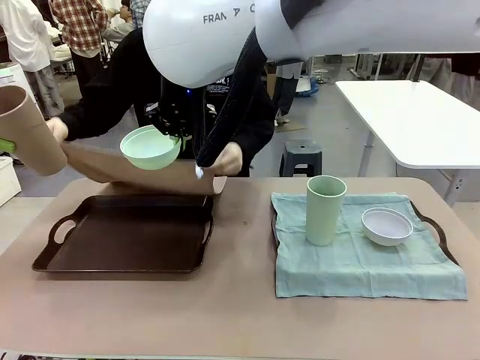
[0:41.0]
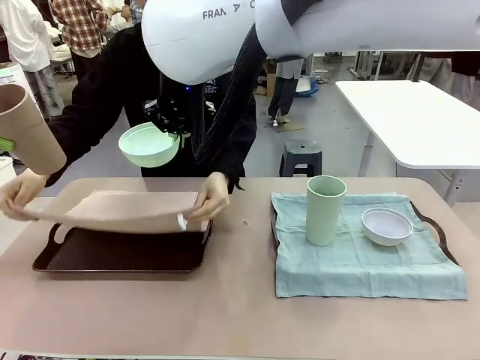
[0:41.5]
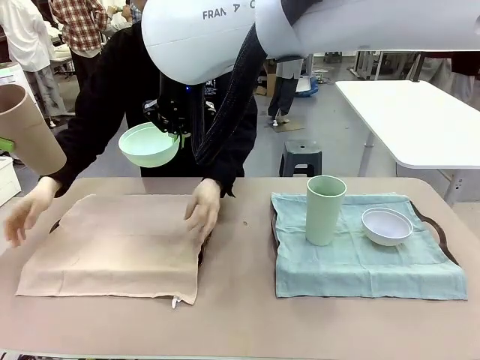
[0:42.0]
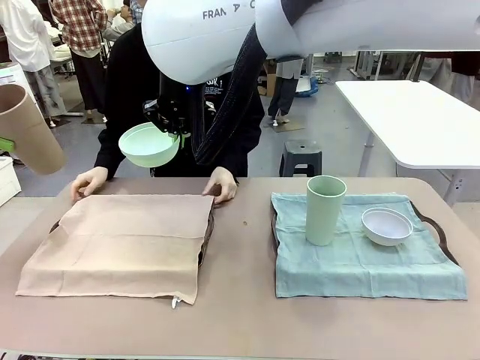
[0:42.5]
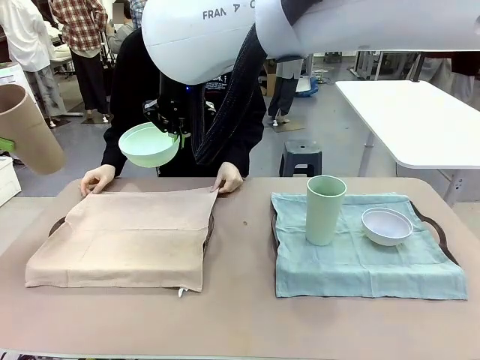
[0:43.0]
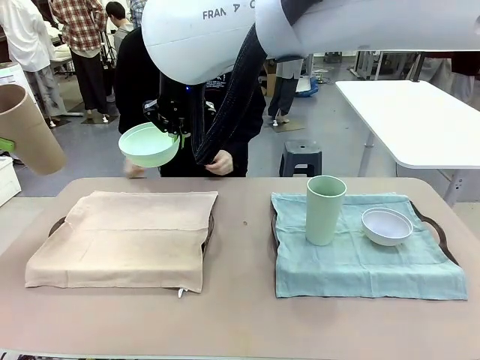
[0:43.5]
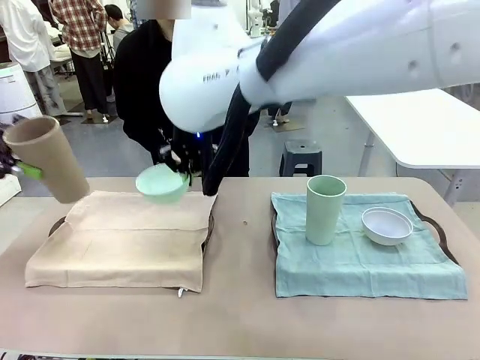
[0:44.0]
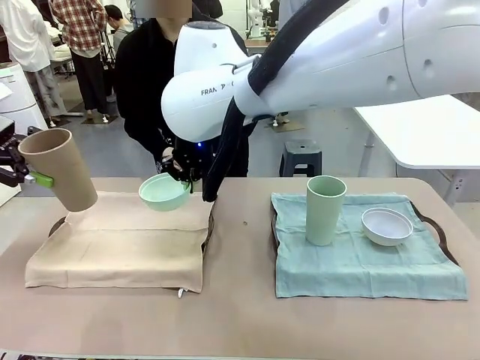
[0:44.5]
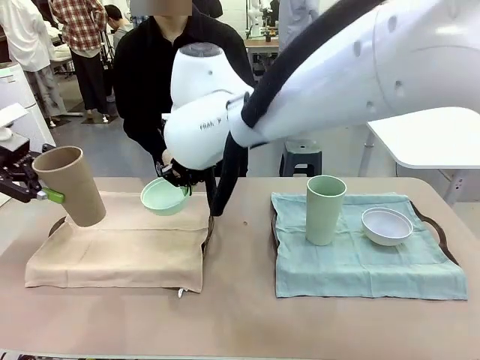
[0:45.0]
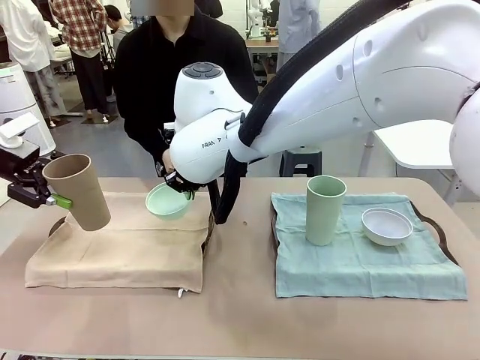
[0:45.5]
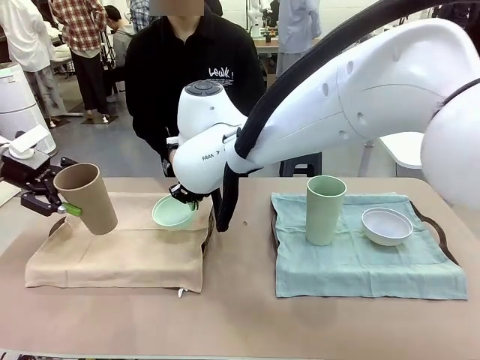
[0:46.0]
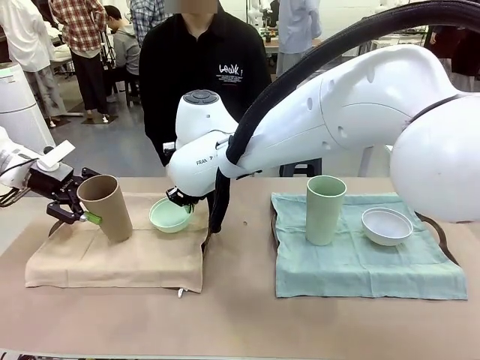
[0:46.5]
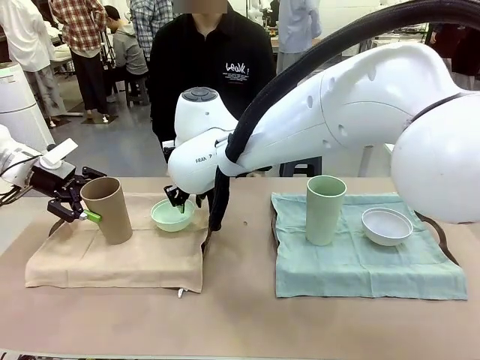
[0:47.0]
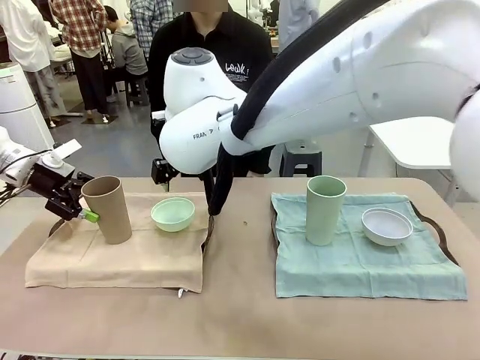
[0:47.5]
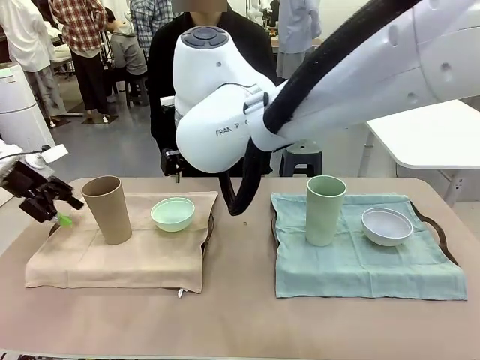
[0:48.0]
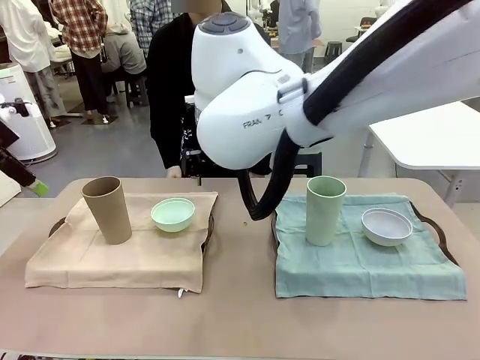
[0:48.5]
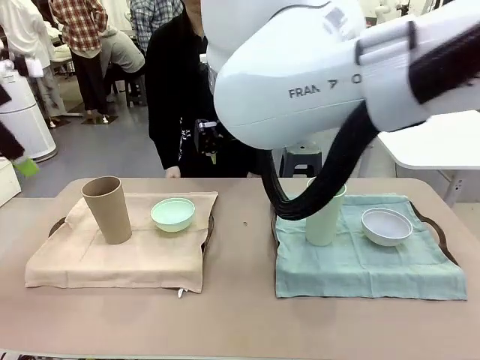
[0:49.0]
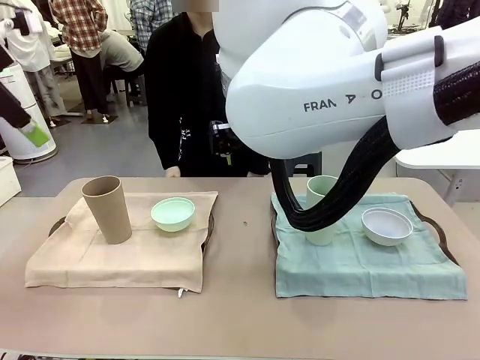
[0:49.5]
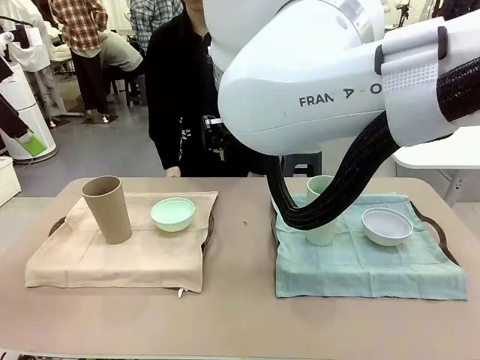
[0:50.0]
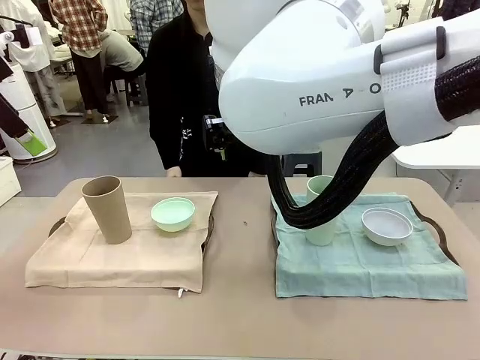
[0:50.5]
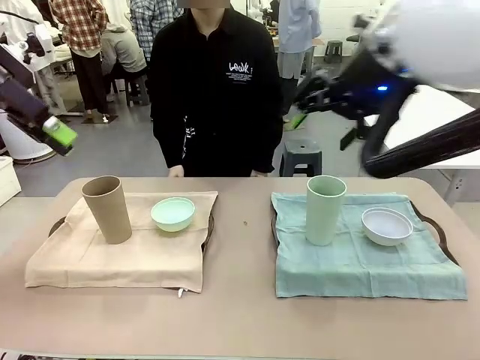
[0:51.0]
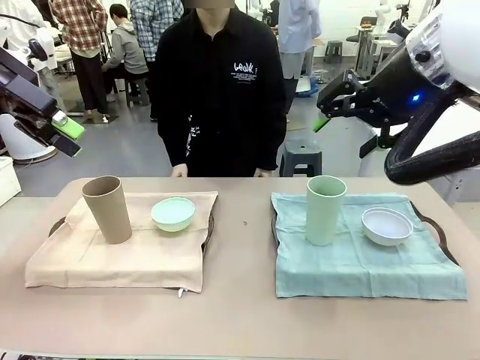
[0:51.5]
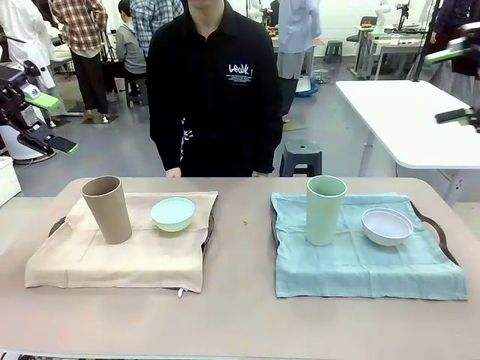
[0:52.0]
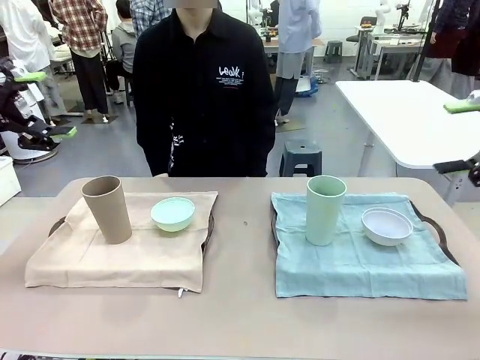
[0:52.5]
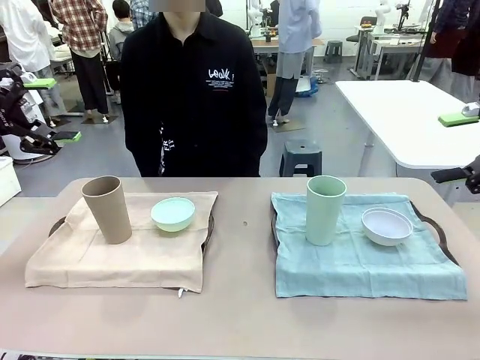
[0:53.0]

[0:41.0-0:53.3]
Robot: Place the Picnic Bowl and Reusable plastic cup back onto the Handle tray in front of the human's position.
Person: When the robot lifts the bowl and the cup, the human unfolds the napkin and lays the napkin flat on the tray.

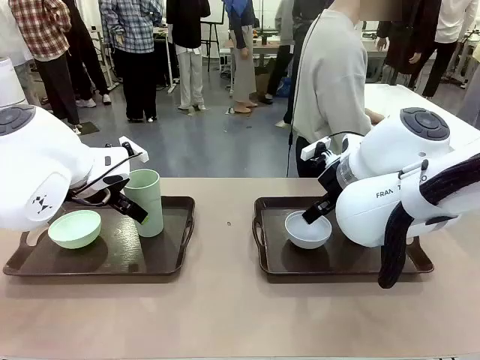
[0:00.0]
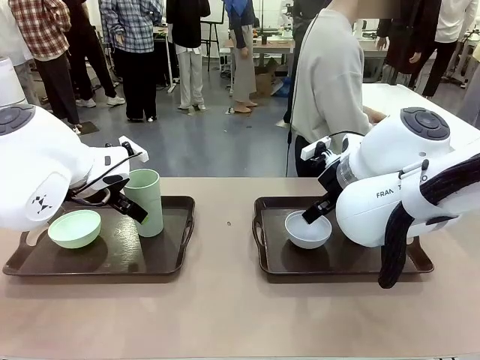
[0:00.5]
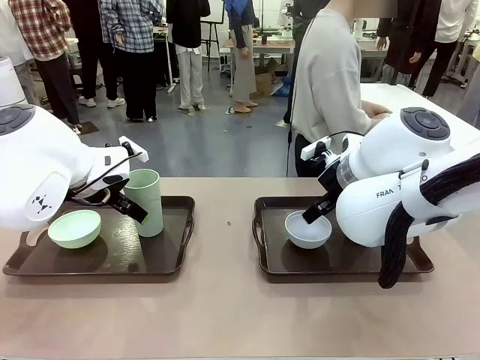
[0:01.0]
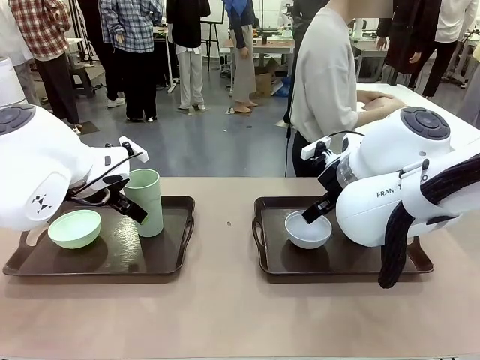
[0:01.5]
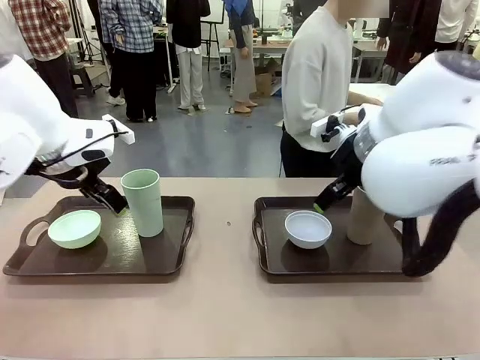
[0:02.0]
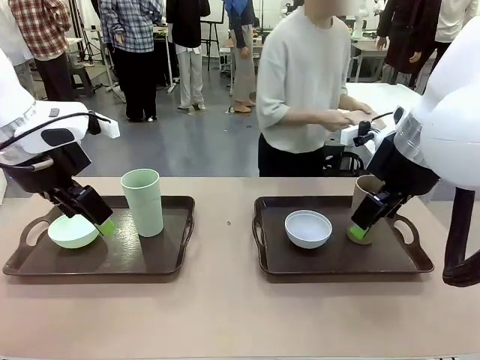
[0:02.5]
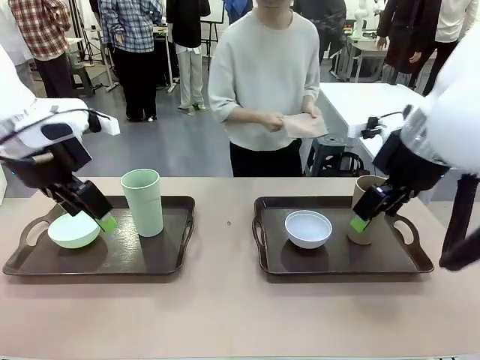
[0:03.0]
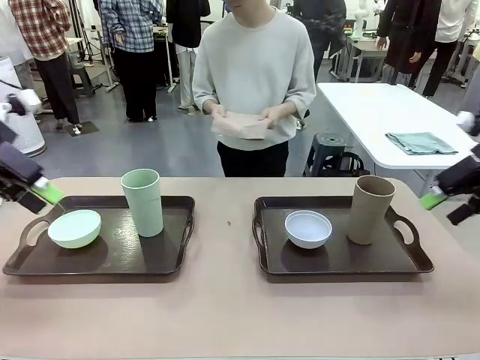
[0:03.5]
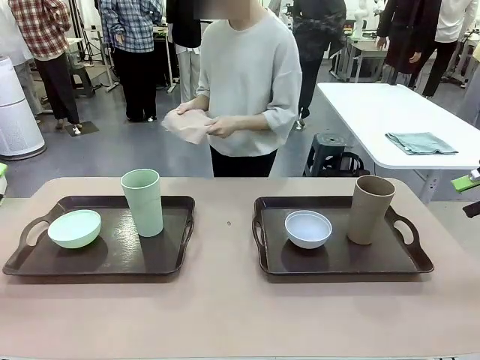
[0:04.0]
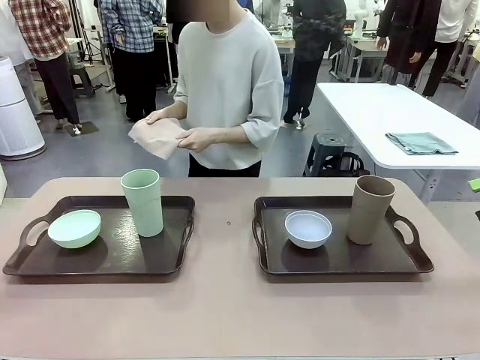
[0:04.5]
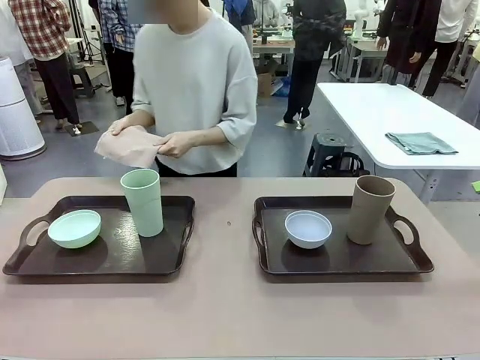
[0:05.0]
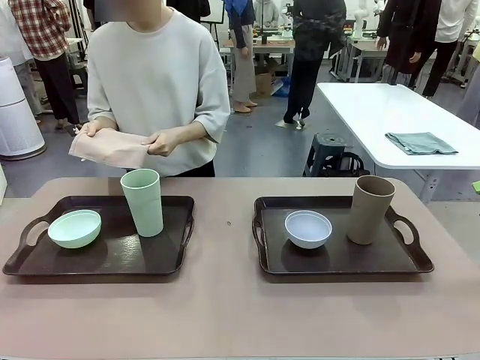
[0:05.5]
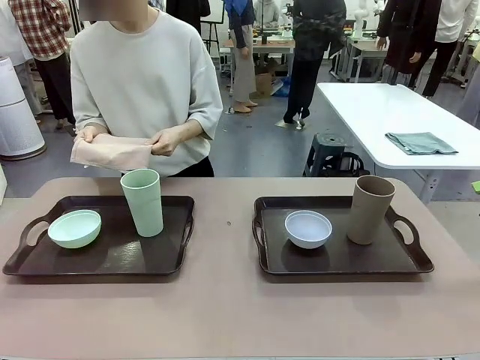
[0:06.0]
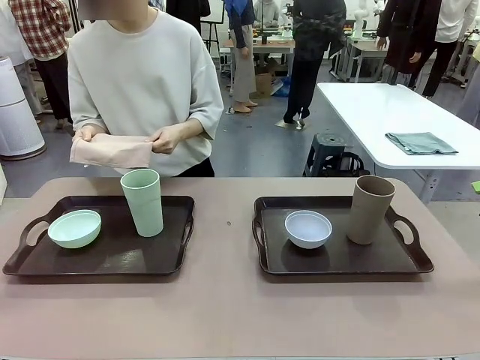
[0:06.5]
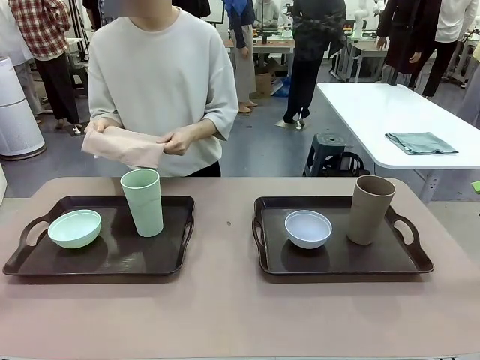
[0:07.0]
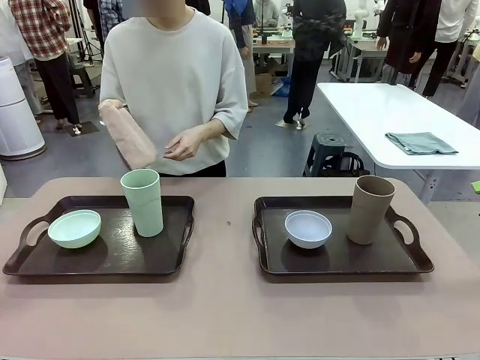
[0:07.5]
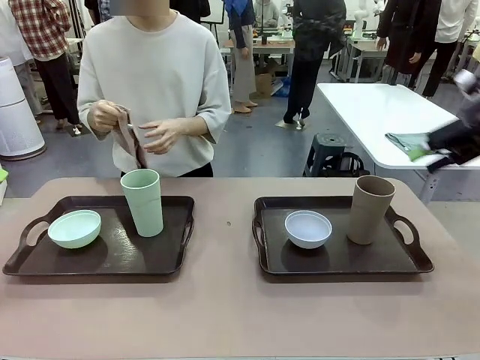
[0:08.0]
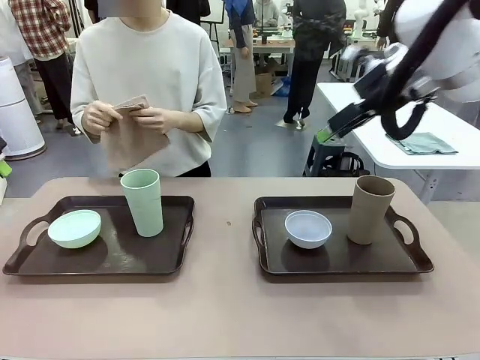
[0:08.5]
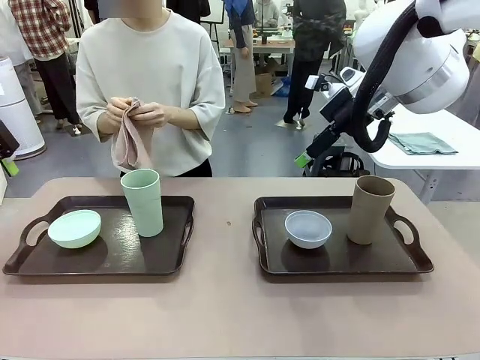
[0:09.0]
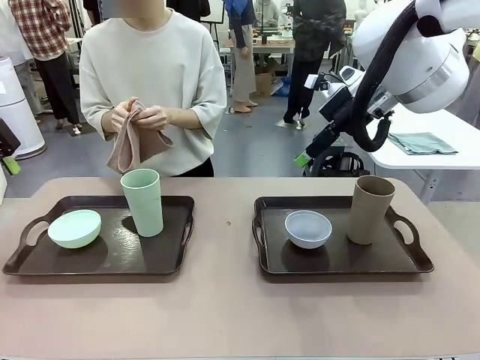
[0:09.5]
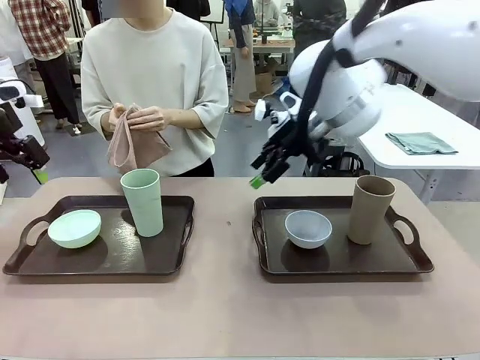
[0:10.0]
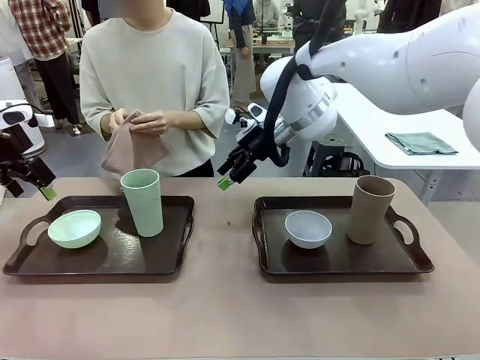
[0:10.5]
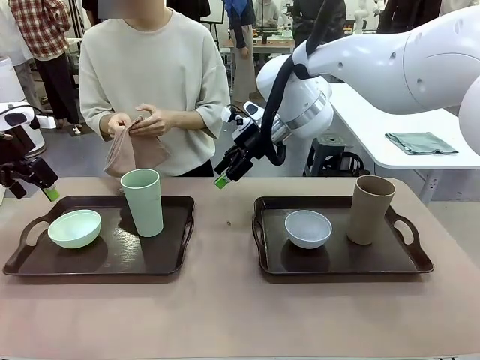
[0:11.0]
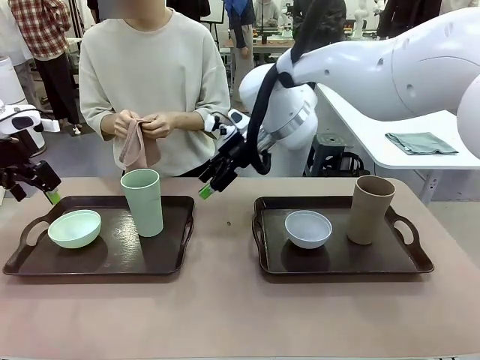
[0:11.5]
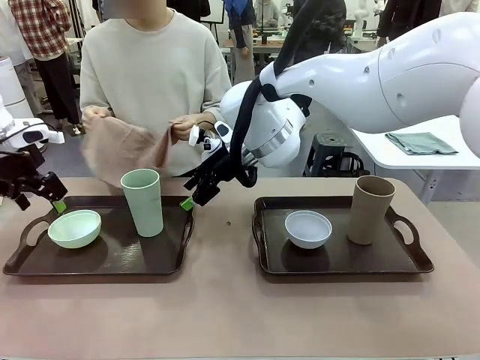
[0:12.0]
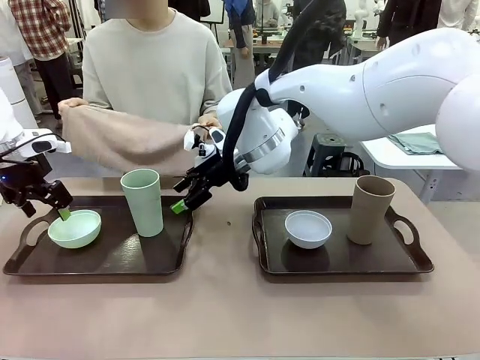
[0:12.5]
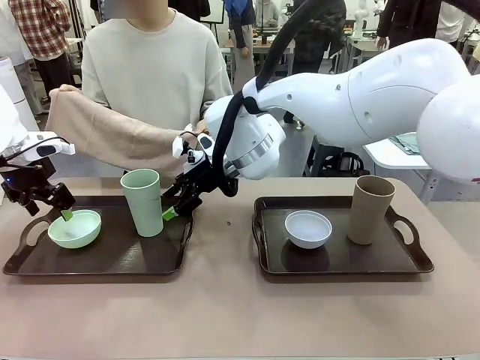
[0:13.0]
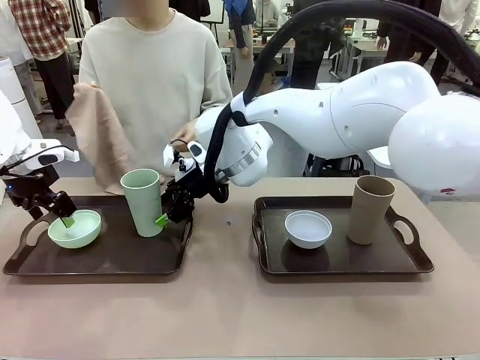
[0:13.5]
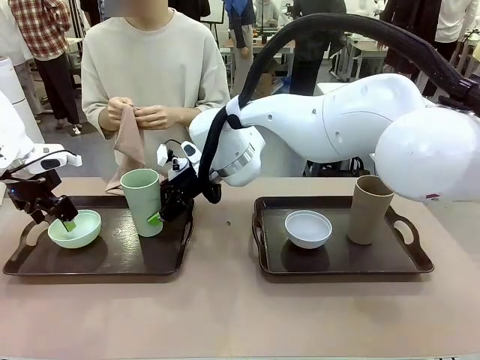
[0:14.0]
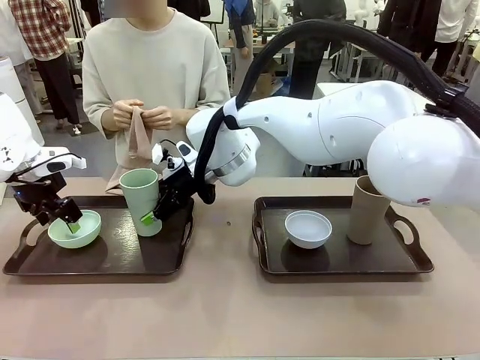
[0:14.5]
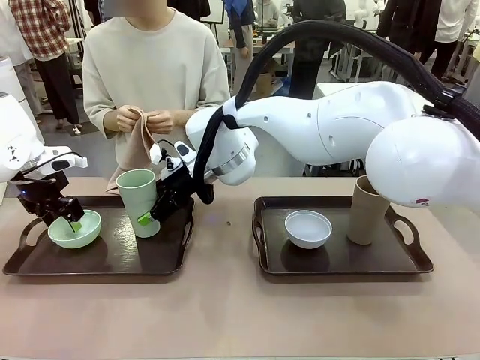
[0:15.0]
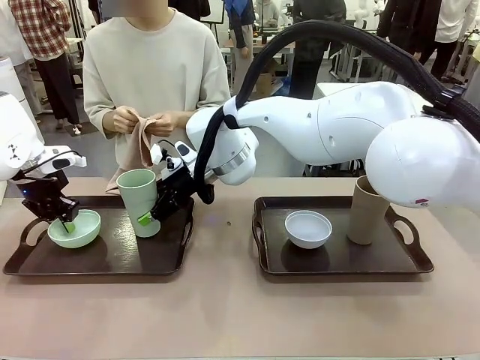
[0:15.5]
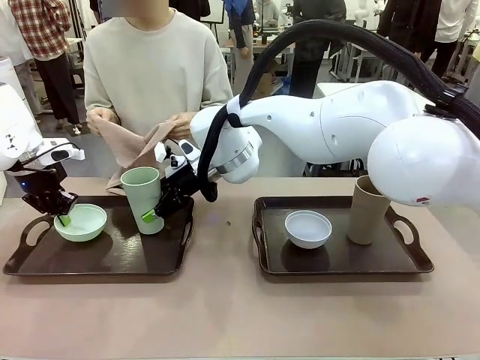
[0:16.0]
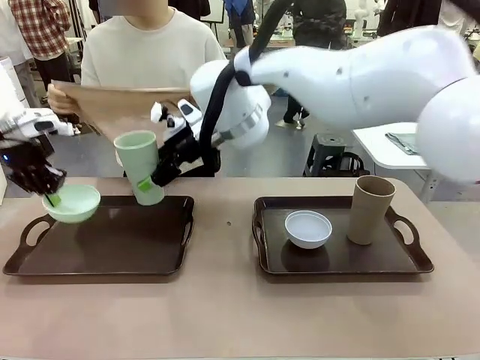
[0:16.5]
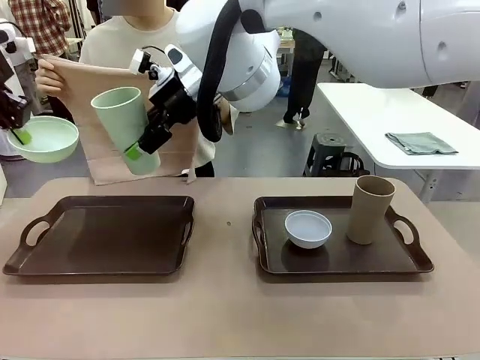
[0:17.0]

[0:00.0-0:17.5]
Robot: Pick up the Picnic Bowl and Reusable plastic cup from the Handle tray in front of the human's position and hold them in the air.
Person: The human picks up the top napkin from the stack on the human table and walks to the robot table to stand in front of one of the two trays. When the robot lifts the bowl and the cup, the human unfolds the napkin and lays the napkin flat on the tray.
